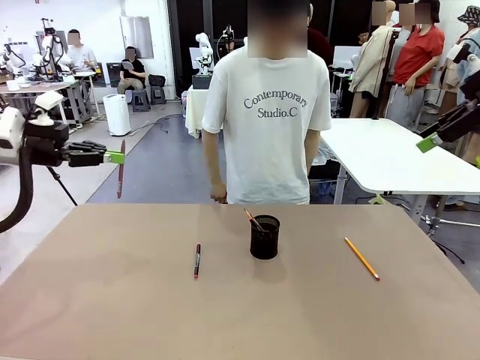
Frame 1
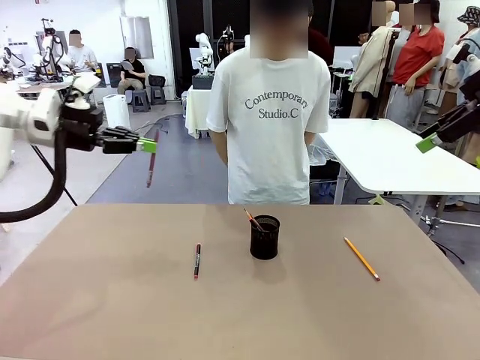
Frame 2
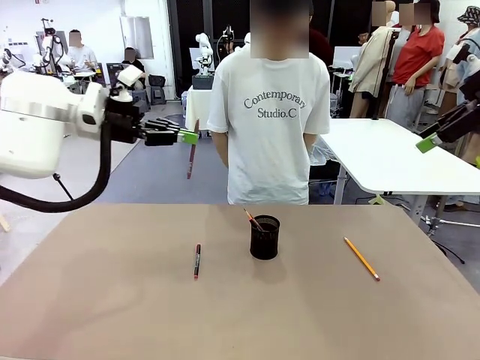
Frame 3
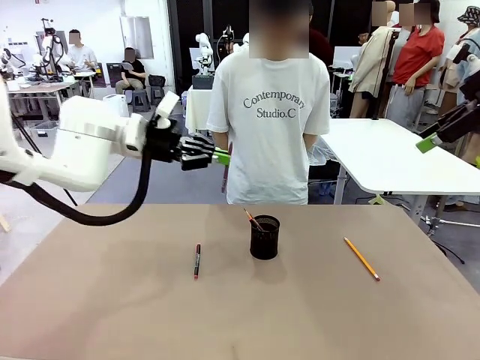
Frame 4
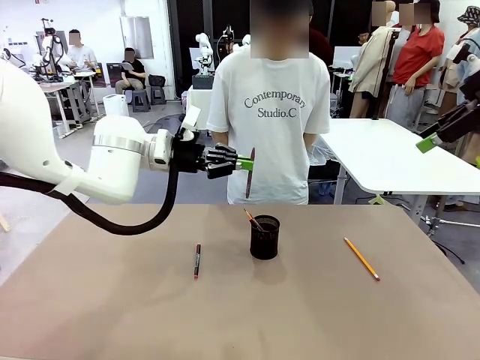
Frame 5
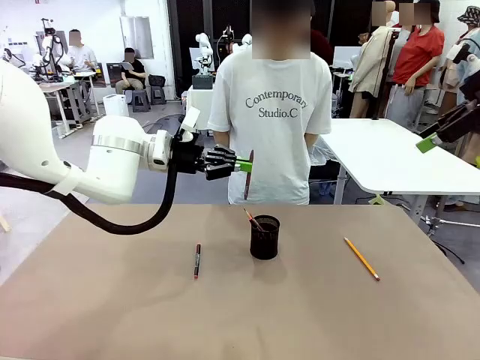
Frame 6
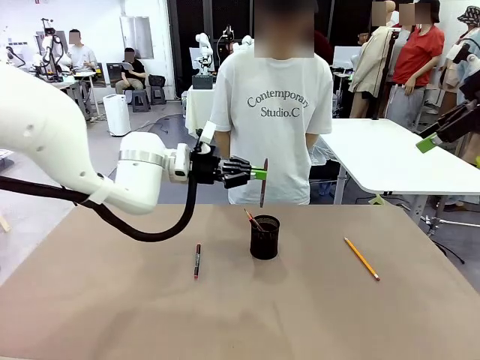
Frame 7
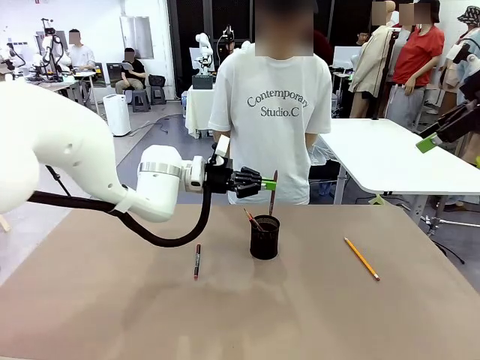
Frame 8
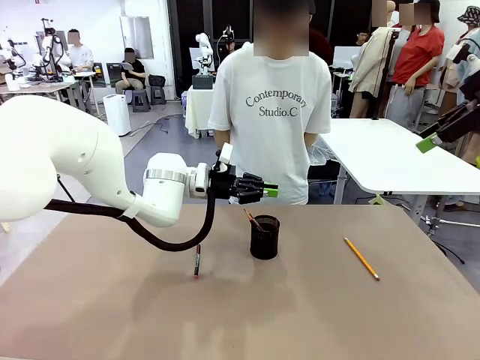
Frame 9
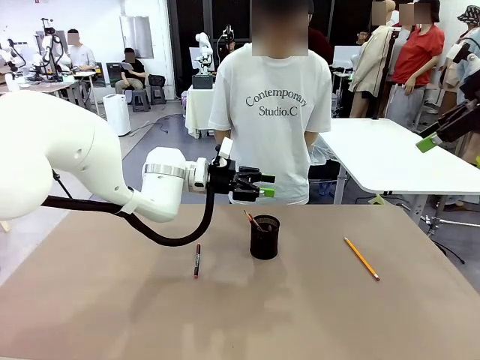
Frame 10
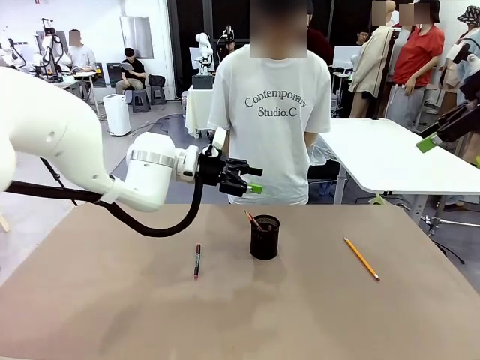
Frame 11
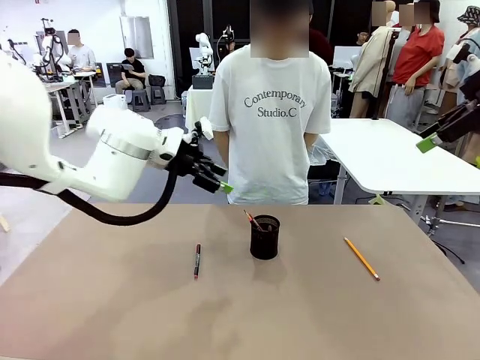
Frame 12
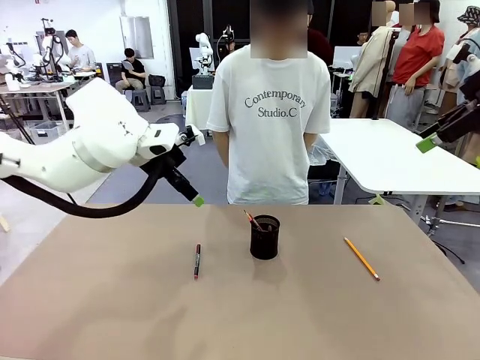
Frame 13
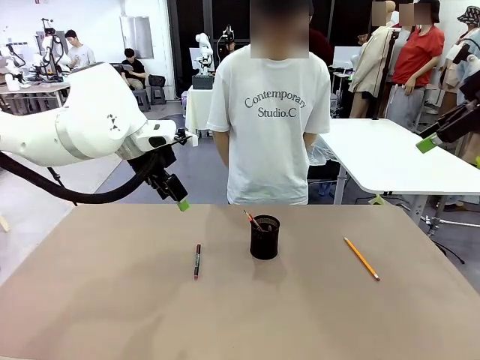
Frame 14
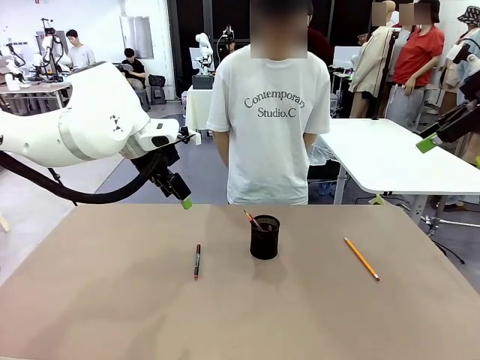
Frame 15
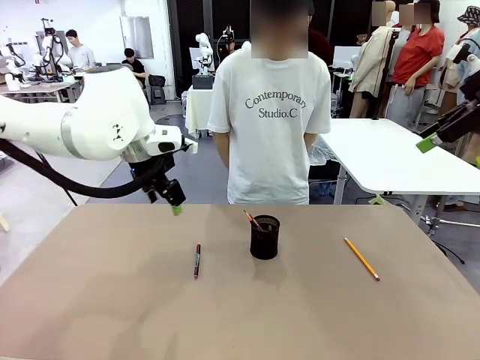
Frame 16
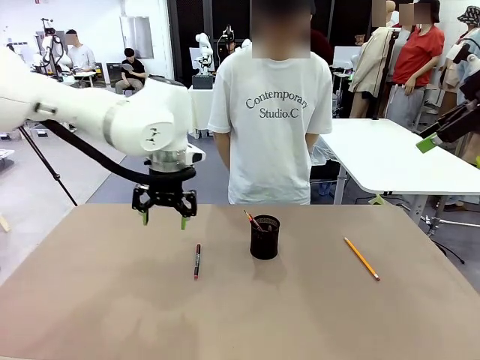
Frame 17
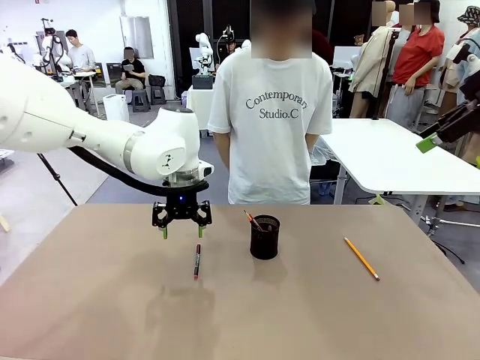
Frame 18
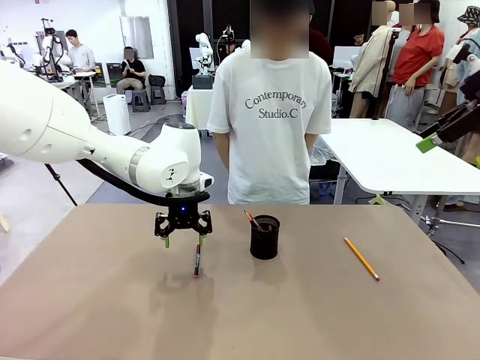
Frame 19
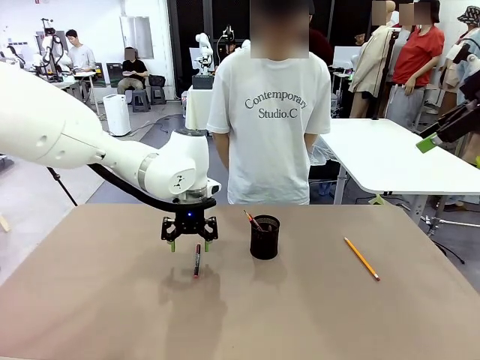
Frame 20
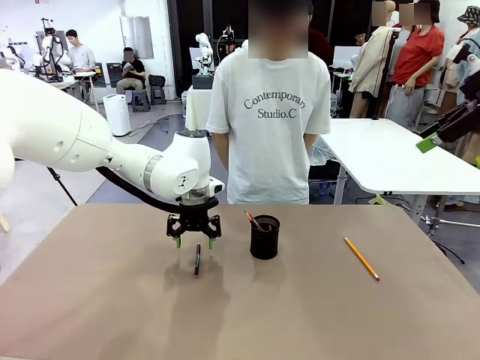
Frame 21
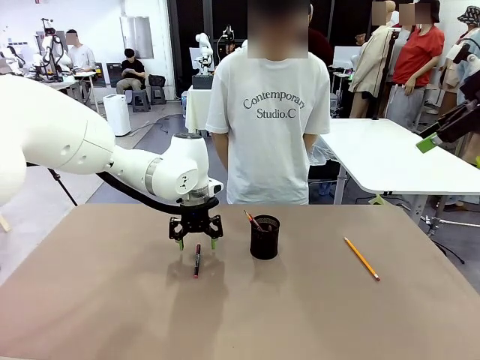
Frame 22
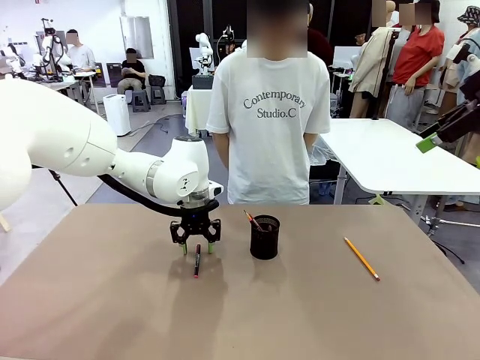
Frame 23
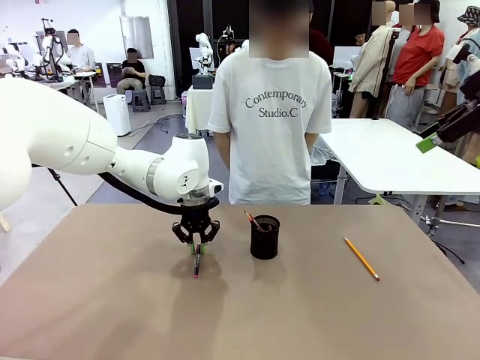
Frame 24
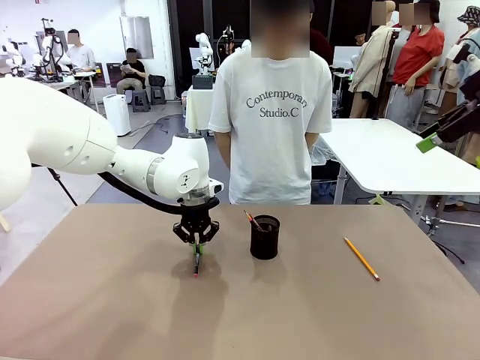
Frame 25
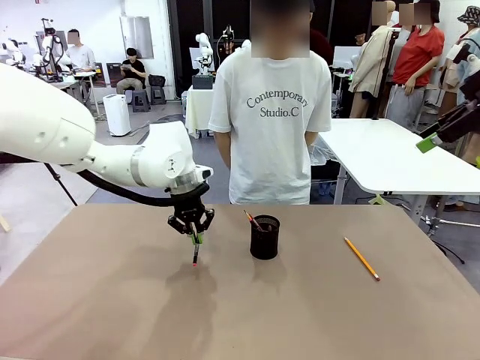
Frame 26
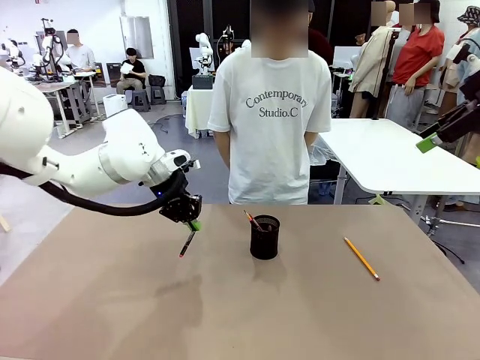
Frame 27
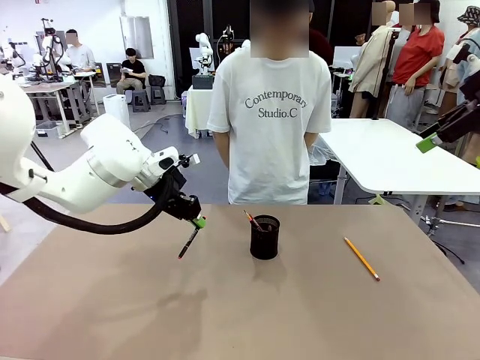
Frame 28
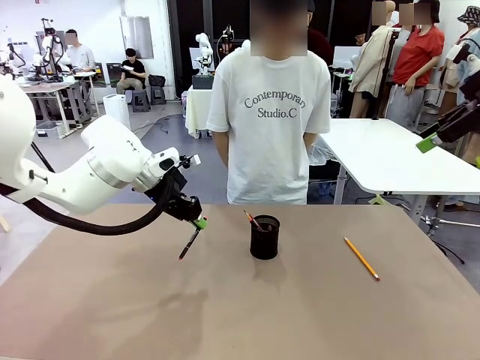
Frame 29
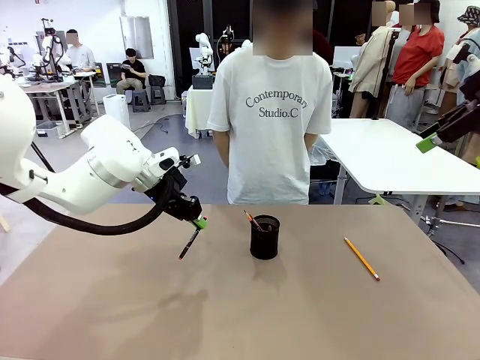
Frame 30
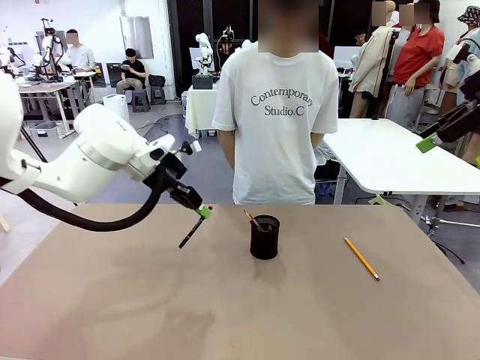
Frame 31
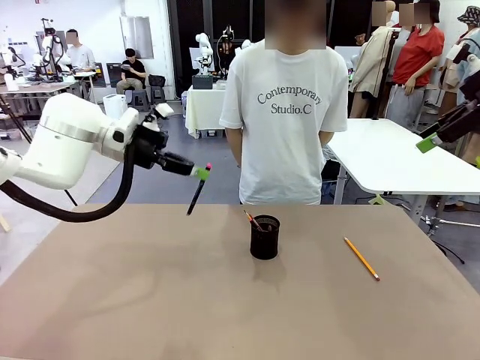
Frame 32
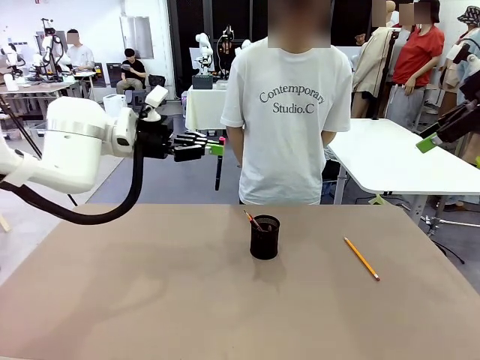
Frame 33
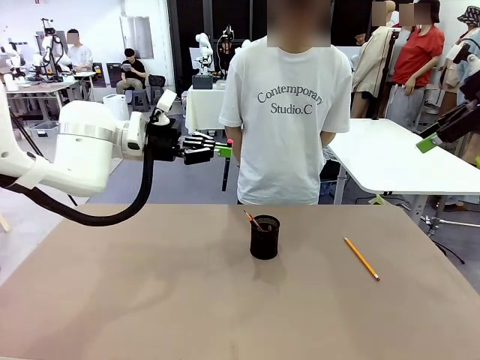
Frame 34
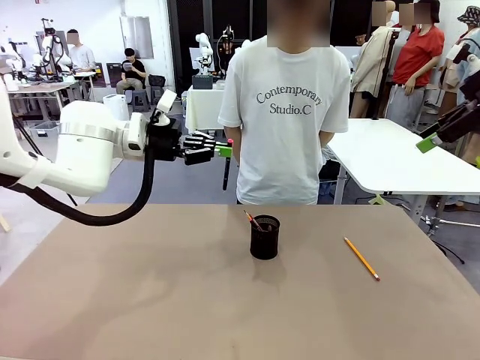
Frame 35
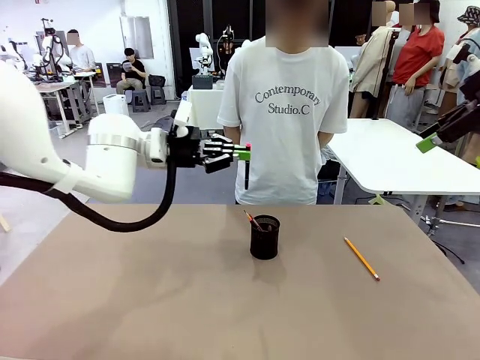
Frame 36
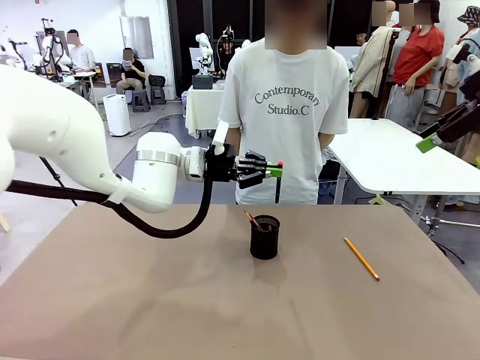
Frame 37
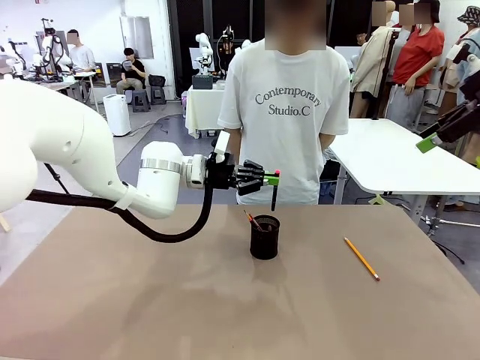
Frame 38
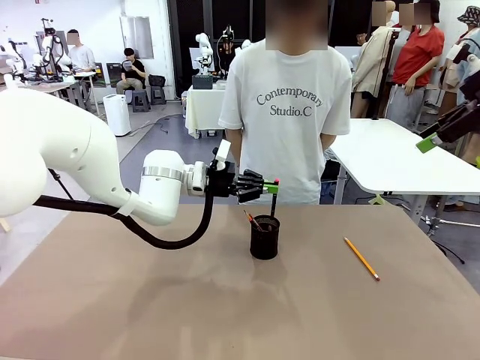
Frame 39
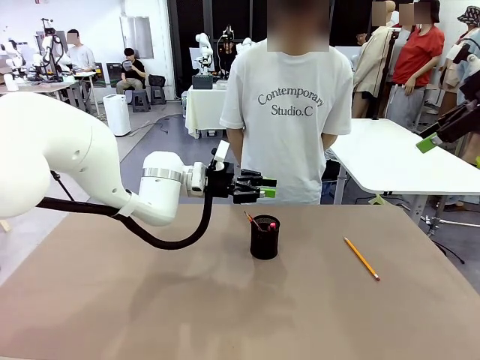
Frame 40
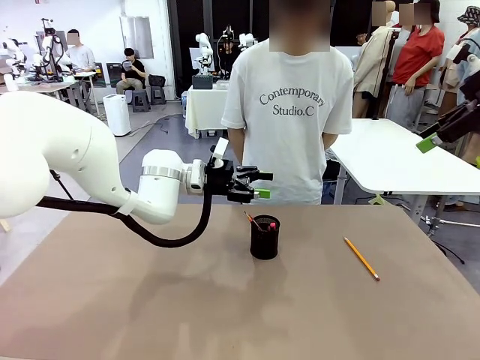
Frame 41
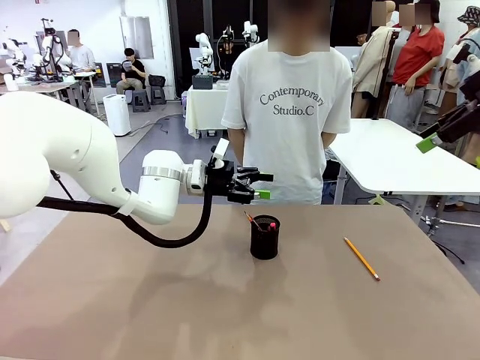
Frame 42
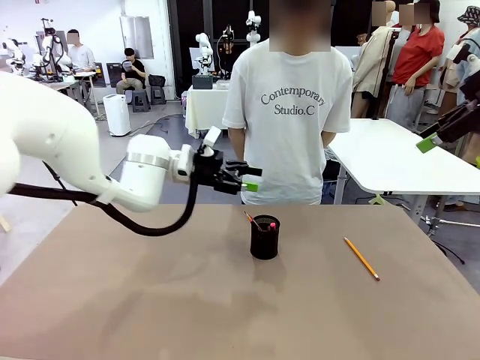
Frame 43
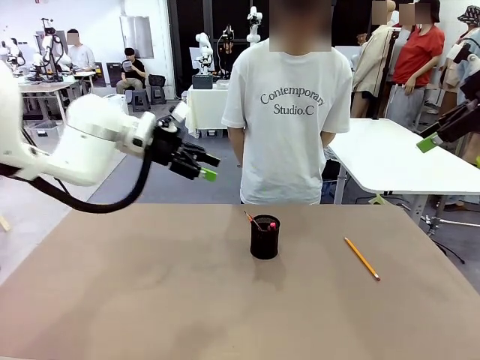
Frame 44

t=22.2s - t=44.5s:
Task: Place the pens into the pen holder.
Robot: Pick up a writing instrument from the table and place it into the Pen holder.

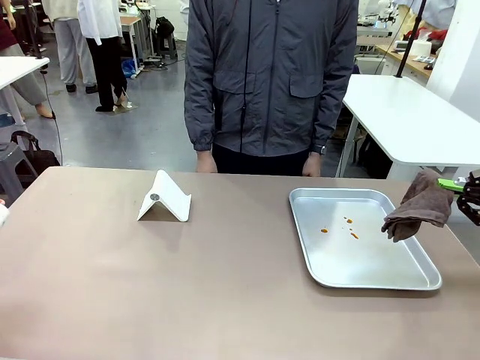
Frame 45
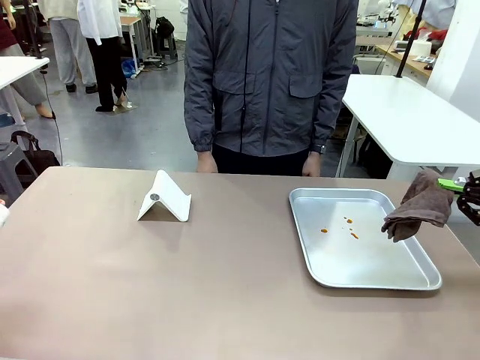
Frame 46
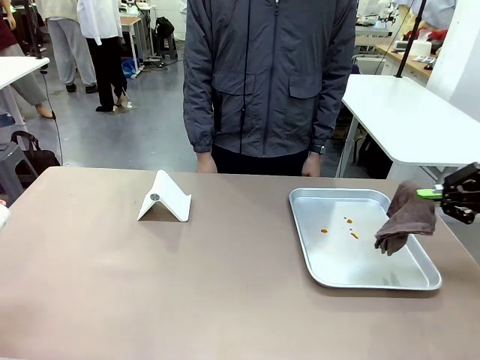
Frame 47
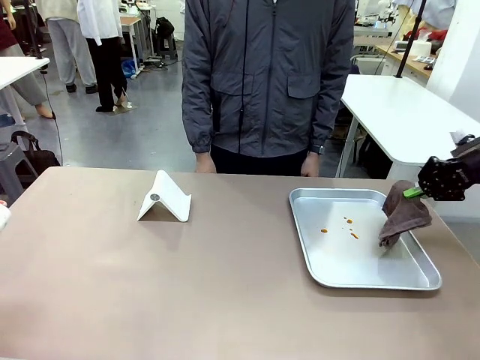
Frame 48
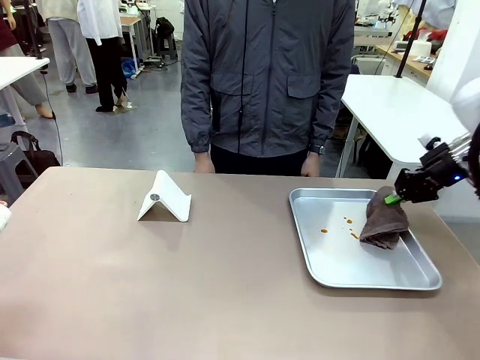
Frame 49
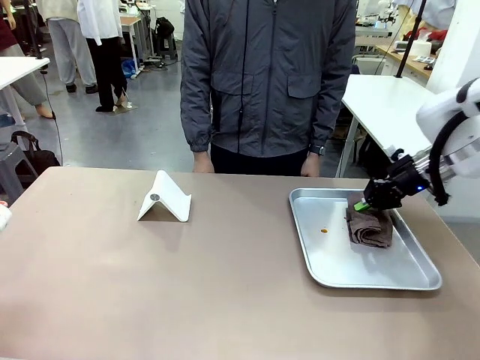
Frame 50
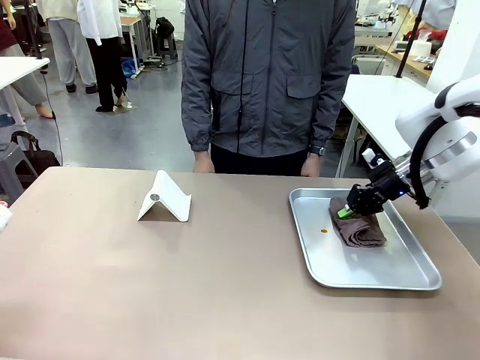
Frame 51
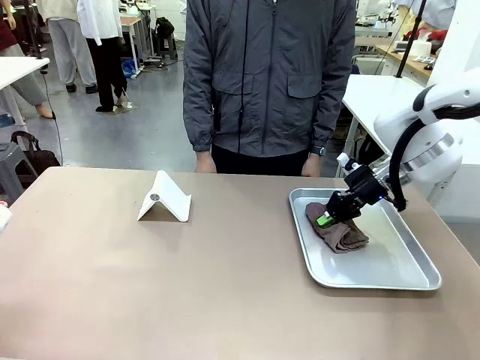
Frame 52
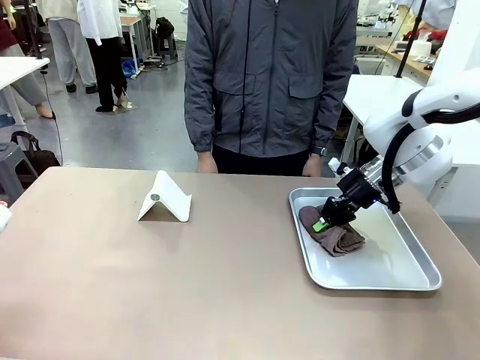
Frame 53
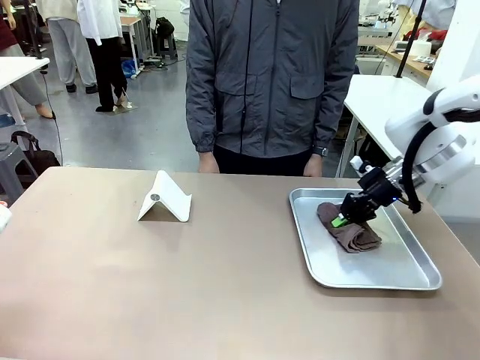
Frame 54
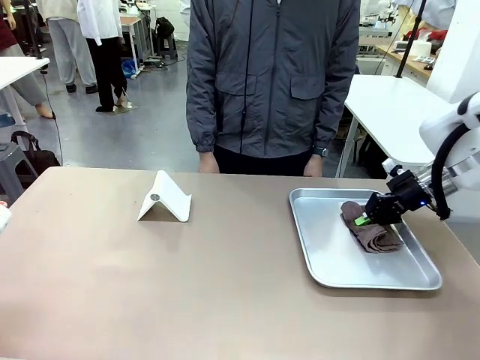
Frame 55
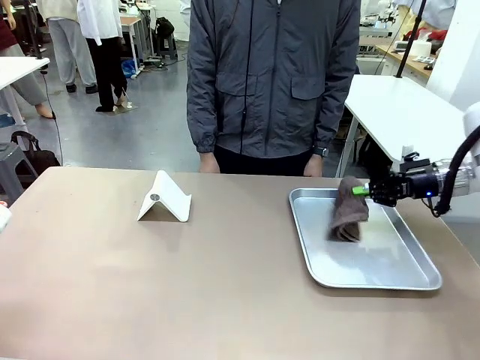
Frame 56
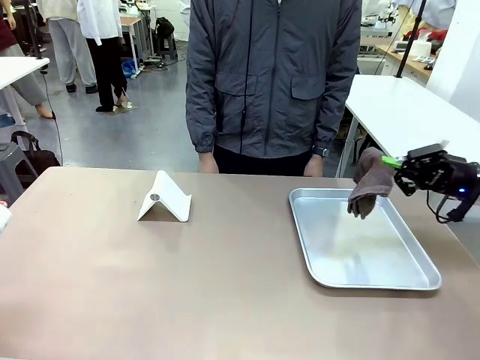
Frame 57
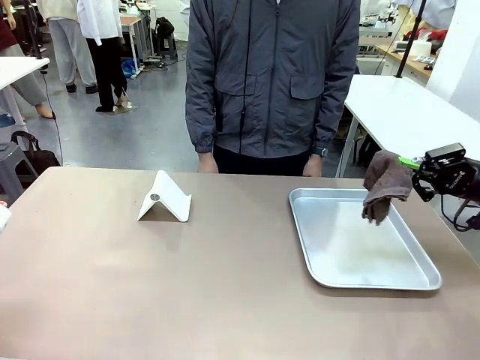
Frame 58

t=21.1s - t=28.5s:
Task: Clean the surface of the table.
Robot: Clean the area not pointed to by the person.
